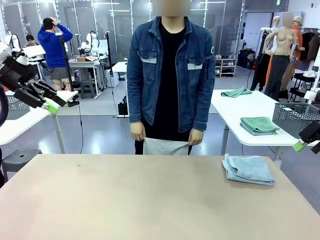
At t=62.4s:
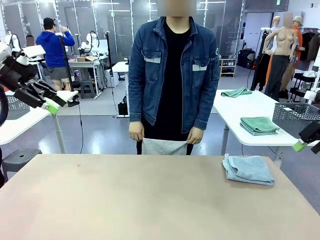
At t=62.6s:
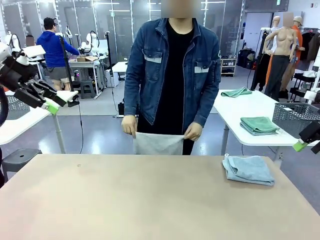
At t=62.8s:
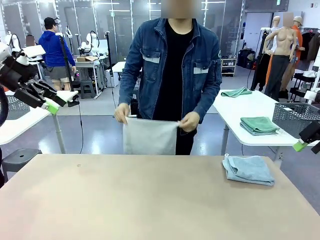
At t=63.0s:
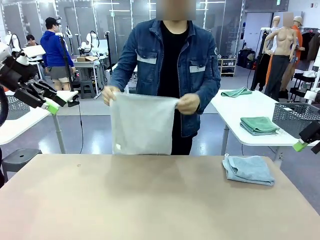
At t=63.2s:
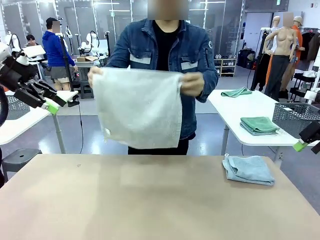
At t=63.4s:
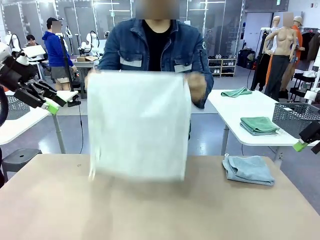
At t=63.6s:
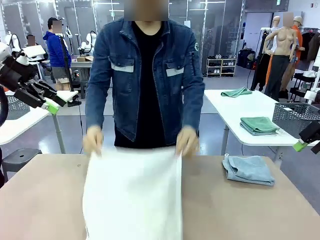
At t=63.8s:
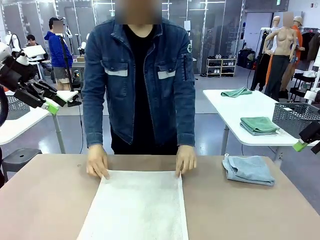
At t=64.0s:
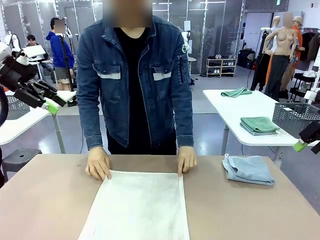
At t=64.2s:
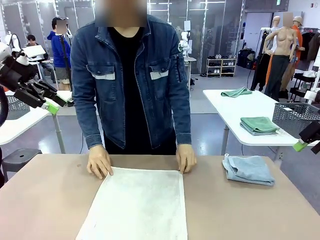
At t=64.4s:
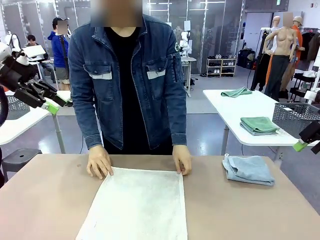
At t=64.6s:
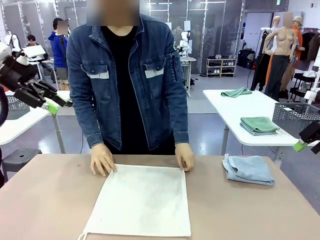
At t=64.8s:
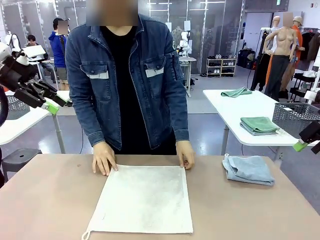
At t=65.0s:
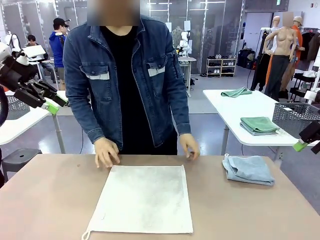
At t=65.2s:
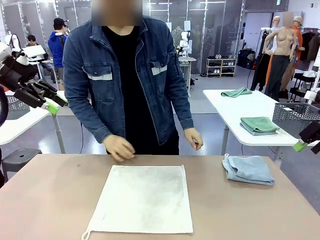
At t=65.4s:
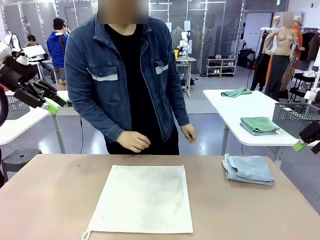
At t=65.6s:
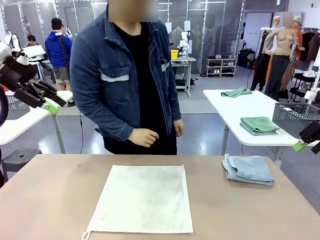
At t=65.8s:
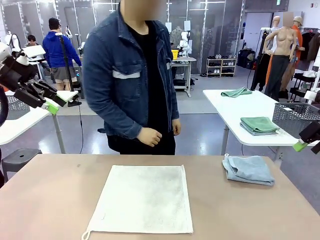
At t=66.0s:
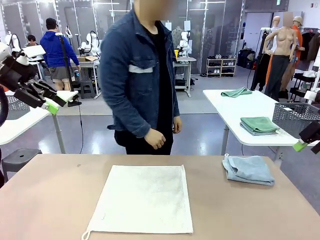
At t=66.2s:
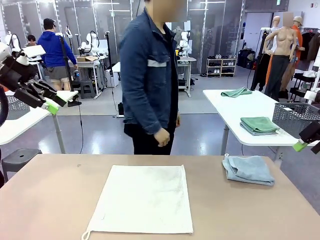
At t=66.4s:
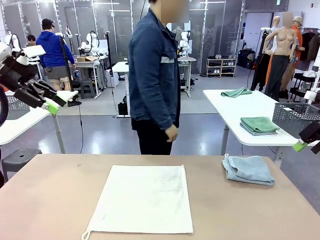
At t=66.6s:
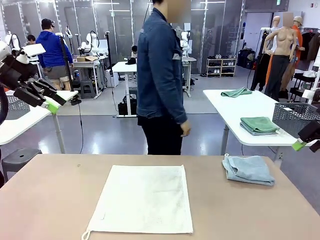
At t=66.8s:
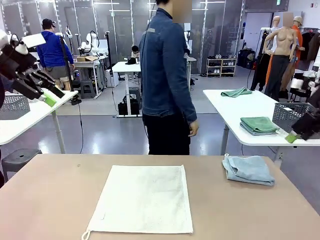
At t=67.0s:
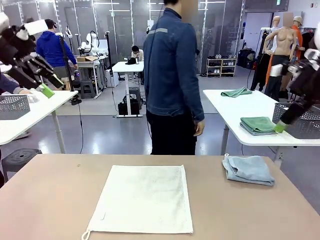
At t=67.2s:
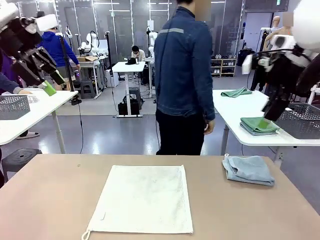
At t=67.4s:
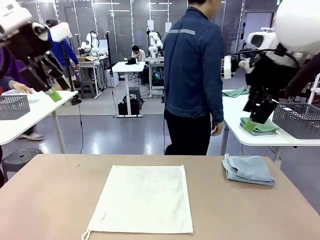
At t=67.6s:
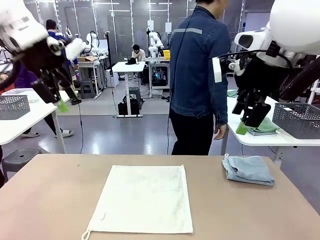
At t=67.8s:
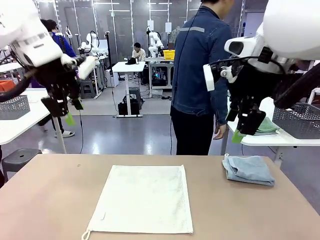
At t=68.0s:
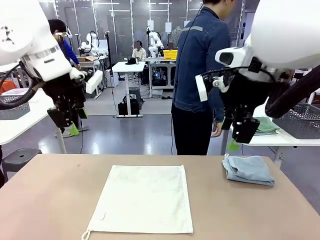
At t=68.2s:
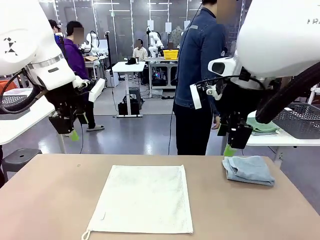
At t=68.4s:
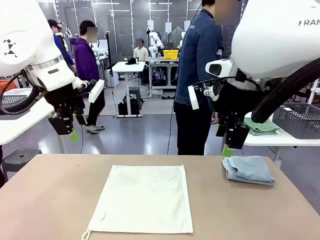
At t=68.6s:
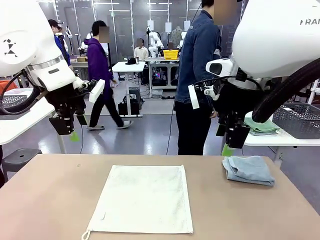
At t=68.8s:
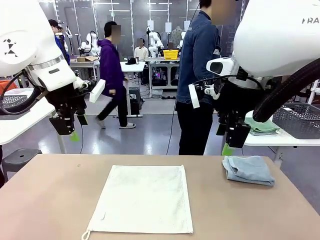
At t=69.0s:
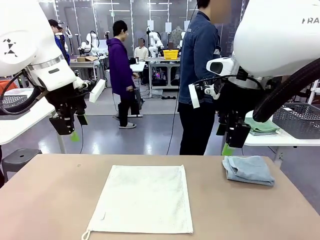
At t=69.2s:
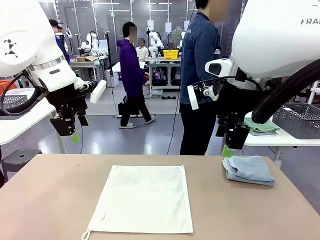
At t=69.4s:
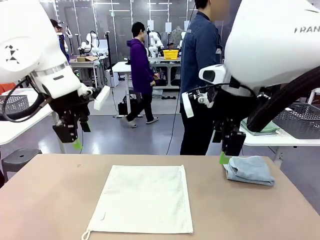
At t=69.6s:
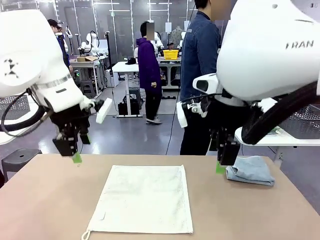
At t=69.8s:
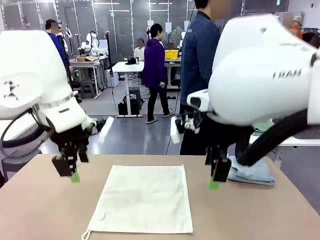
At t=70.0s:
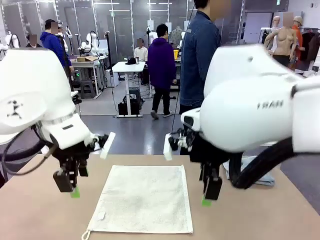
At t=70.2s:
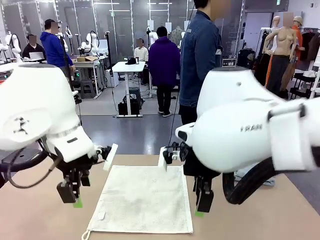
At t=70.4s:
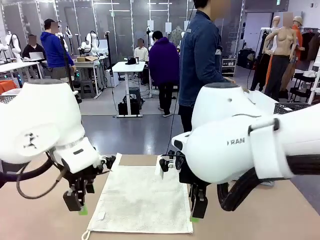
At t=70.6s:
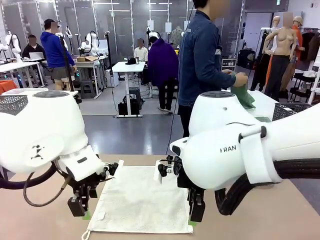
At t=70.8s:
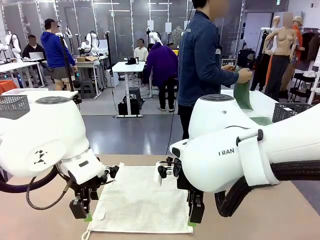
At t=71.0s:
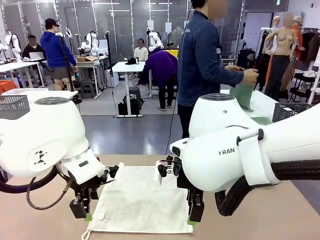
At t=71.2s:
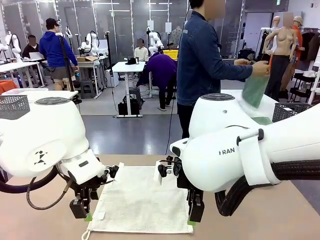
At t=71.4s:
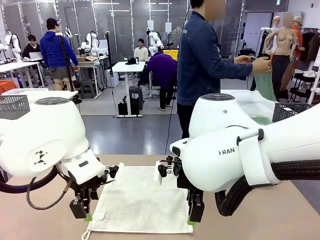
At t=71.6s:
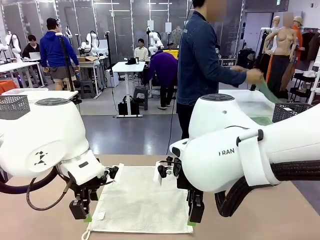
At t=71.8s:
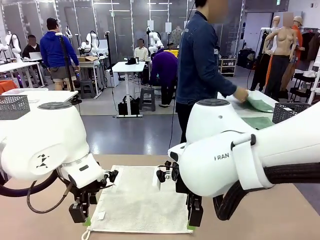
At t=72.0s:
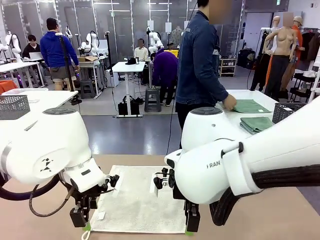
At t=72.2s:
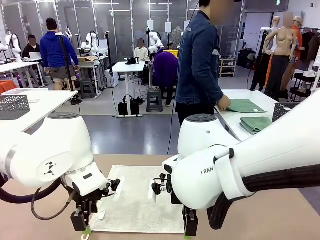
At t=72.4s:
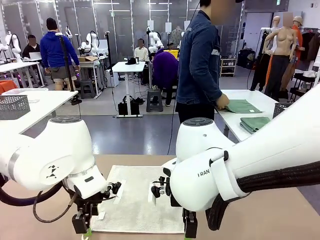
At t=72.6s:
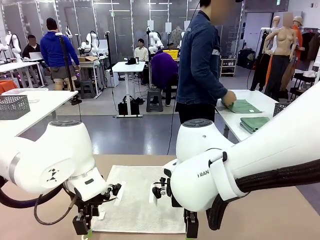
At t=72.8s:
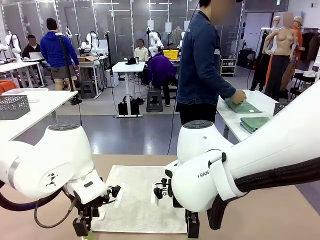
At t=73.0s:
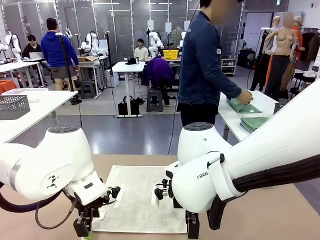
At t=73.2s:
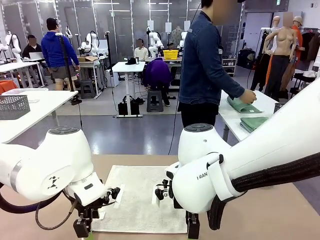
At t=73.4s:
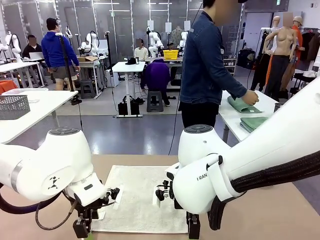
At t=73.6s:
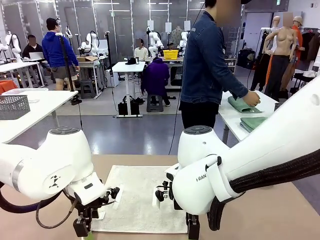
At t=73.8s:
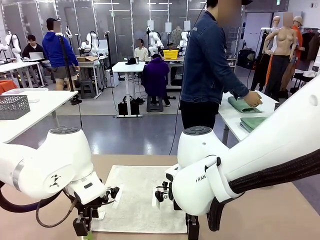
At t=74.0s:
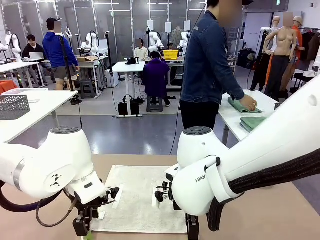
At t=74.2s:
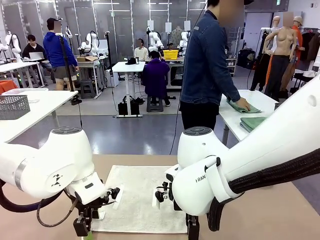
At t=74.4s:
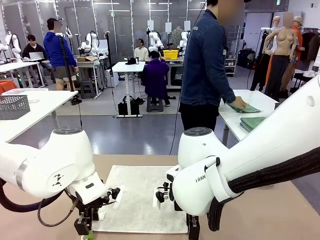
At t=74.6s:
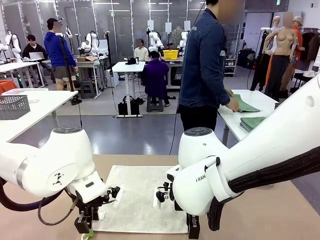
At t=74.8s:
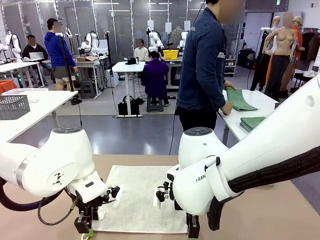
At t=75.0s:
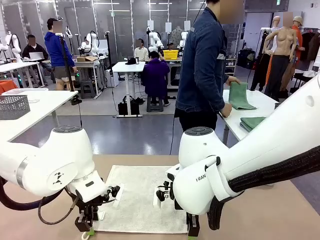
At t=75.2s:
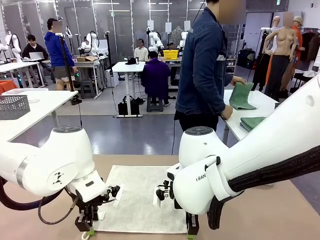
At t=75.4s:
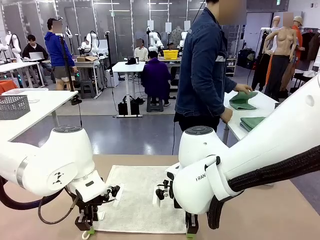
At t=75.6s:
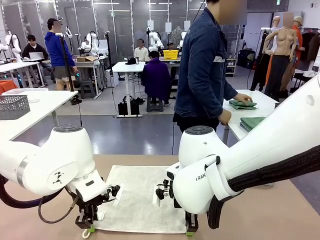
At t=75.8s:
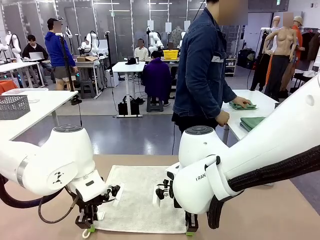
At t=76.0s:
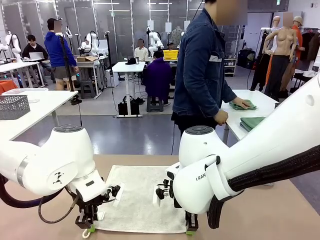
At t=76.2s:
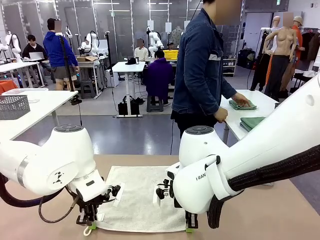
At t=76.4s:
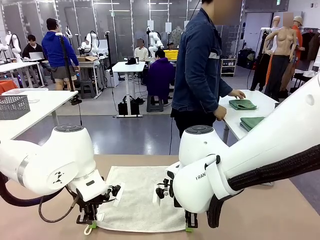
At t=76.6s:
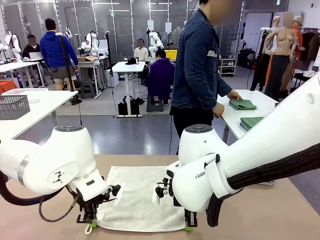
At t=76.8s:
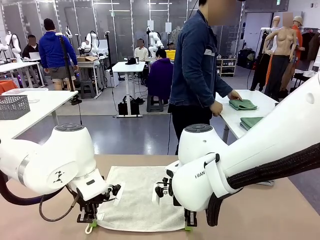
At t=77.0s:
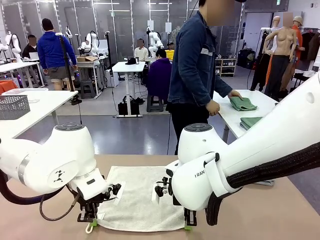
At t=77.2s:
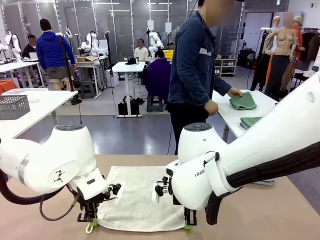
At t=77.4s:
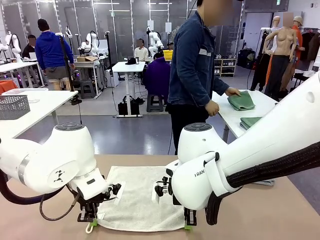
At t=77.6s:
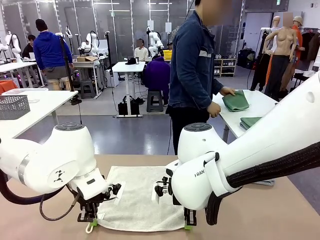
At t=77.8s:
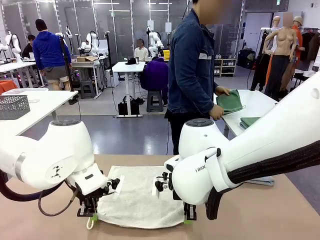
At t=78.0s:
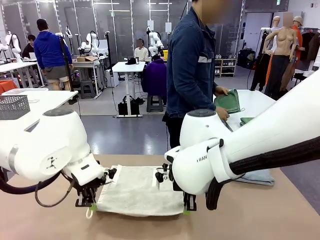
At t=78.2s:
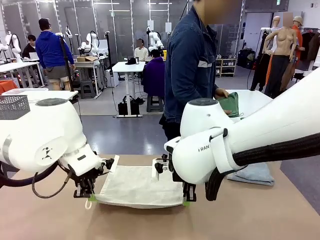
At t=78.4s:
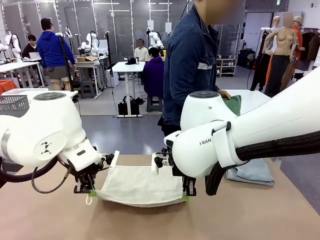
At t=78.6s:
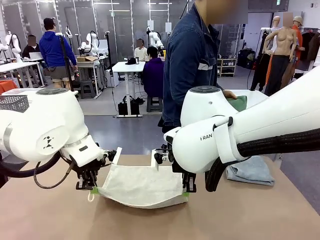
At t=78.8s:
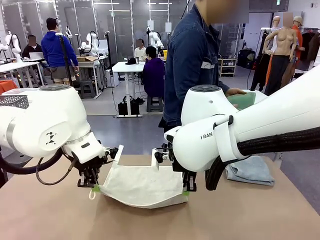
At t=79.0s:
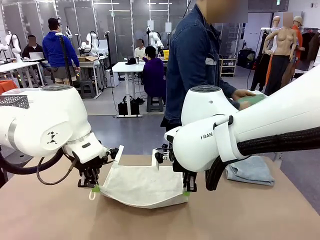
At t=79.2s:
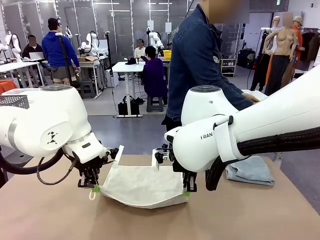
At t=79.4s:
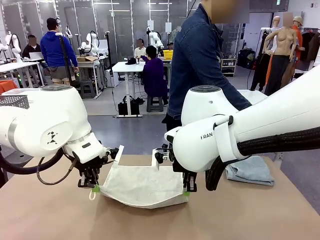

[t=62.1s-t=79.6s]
Task: Fold the towels and place them in the basket.
Robot: When a person lays out a Towel with hook on the table, fold it in half twice.
Person: Pick up one towel from the left side of the human table, fold it in half twice, and stack it on the right side of the table.

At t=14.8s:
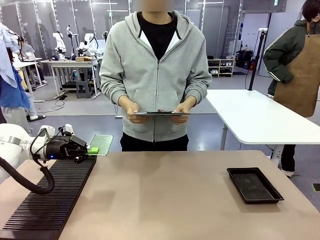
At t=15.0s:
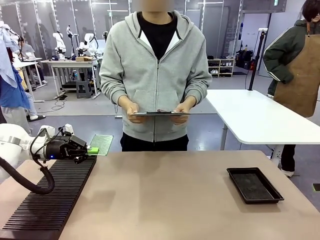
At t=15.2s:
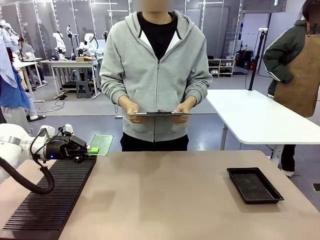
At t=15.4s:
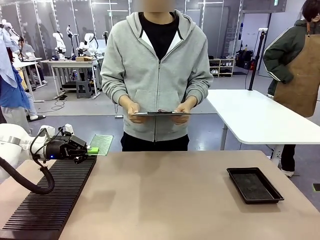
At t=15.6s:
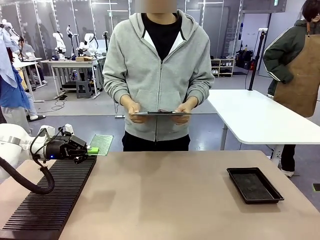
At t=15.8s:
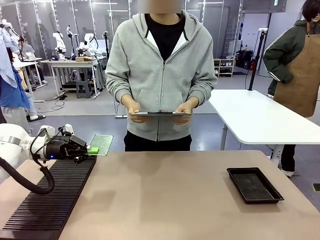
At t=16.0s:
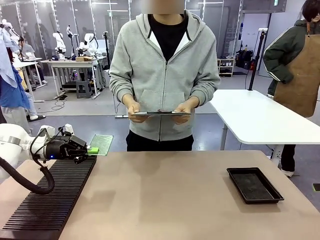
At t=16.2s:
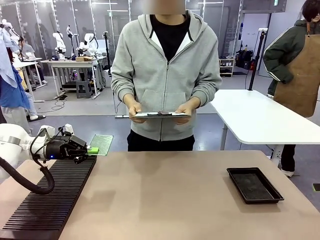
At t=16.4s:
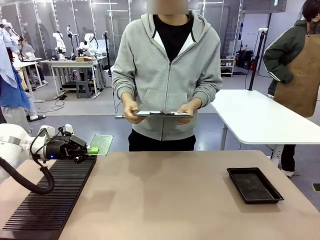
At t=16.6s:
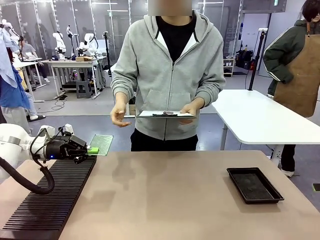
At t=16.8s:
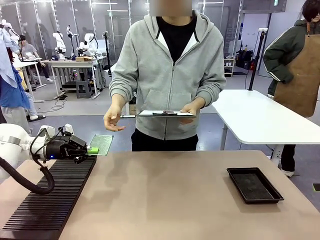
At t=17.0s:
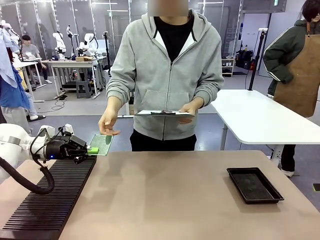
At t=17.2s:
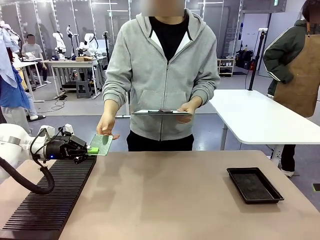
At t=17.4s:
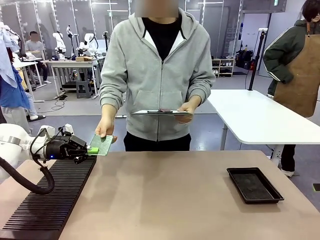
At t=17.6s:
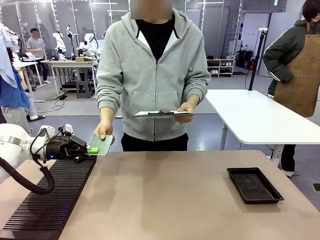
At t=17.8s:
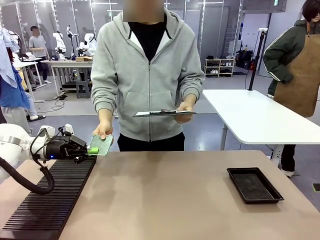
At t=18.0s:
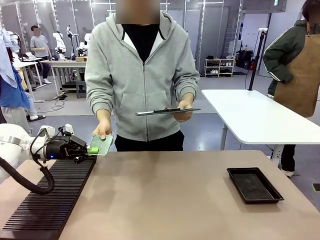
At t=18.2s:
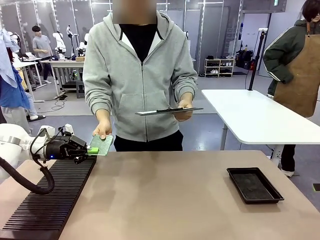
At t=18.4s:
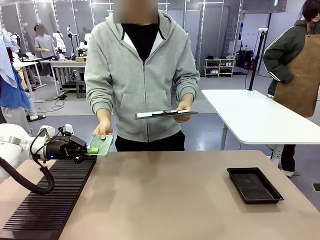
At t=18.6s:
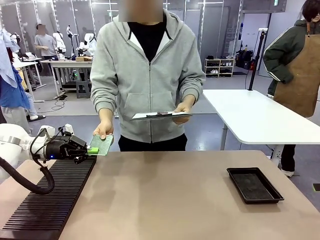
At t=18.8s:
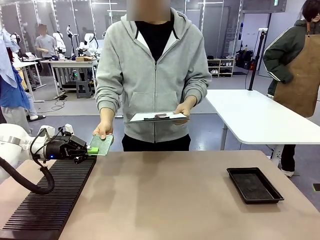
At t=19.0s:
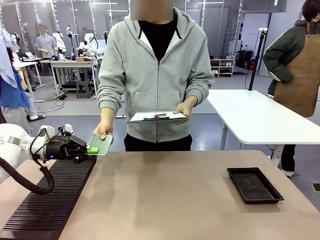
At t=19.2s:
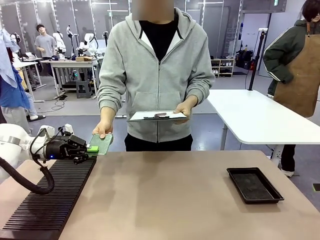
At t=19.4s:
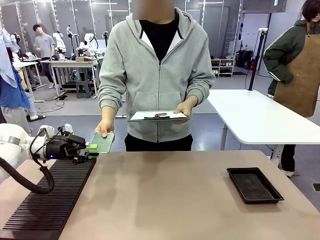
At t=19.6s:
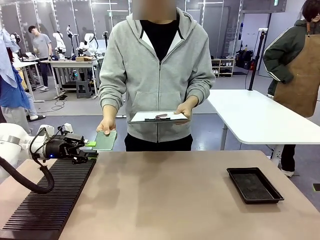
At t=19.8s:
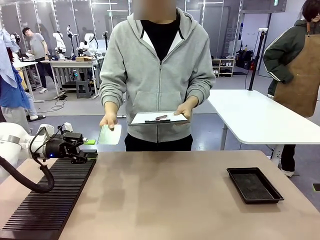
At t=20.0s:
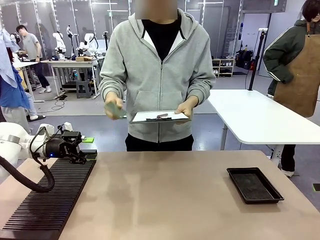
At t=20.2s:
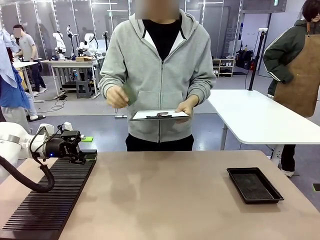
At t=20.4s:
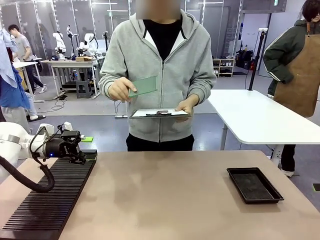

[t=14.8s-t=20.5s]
Task: Inspect the PCB.
Robot: Release the Blank PCB you were holding.
